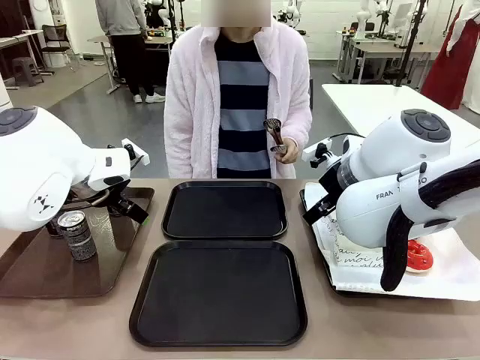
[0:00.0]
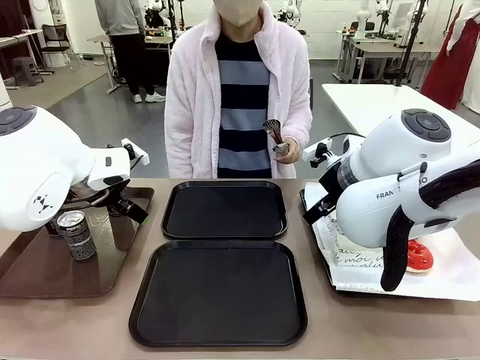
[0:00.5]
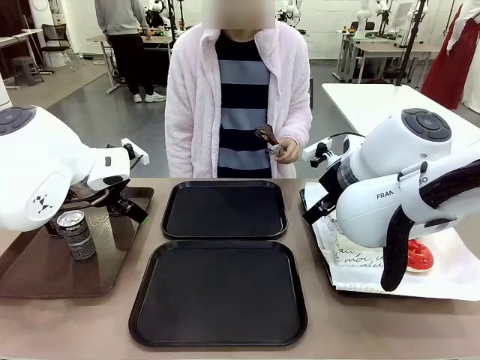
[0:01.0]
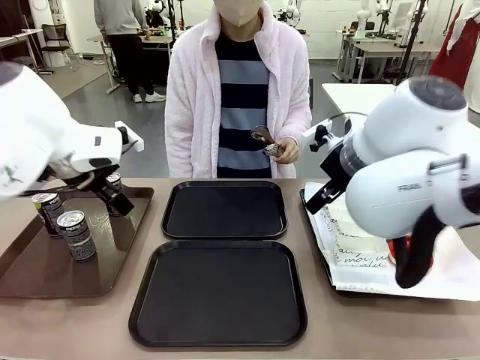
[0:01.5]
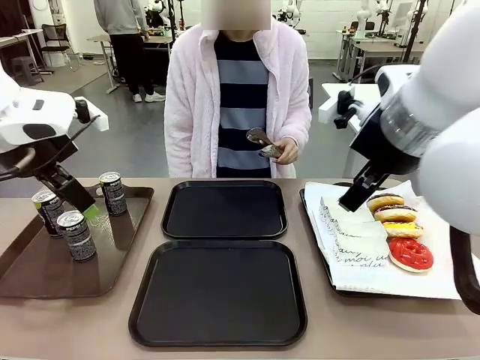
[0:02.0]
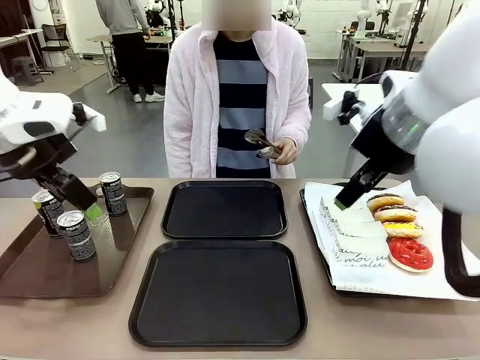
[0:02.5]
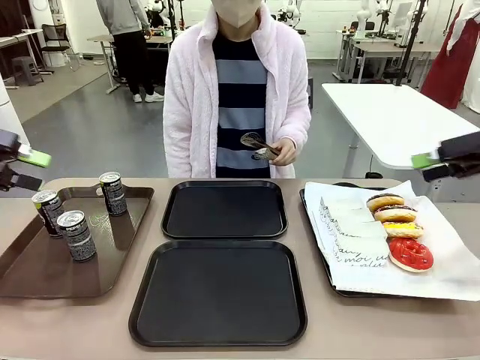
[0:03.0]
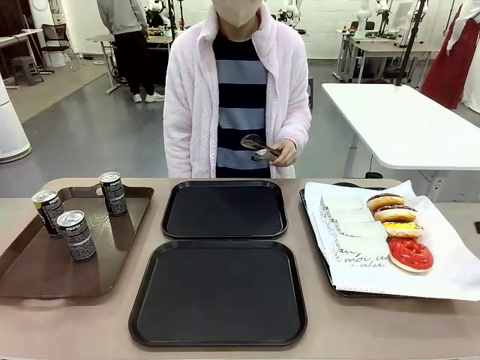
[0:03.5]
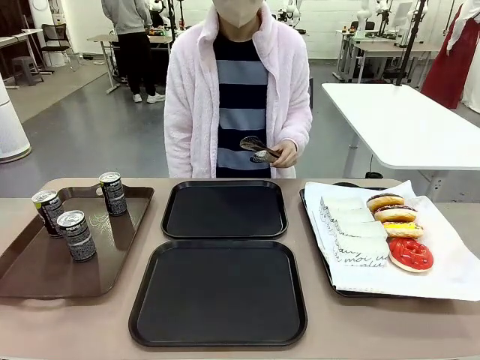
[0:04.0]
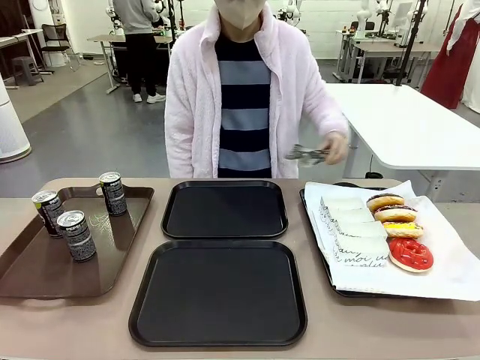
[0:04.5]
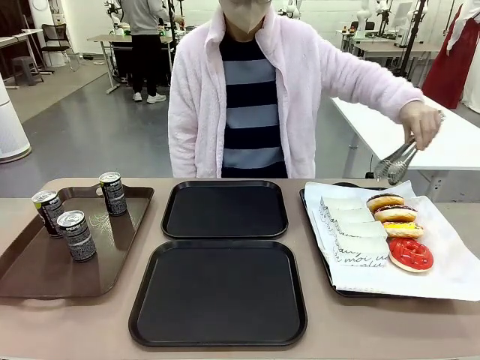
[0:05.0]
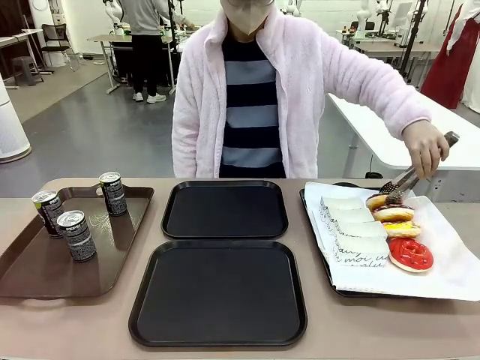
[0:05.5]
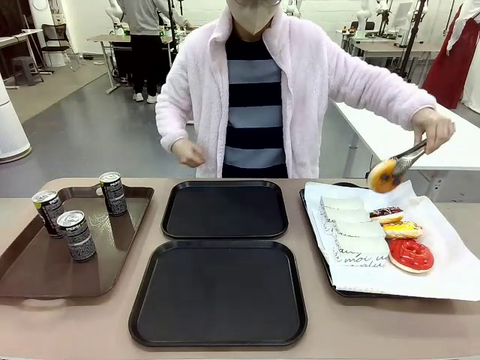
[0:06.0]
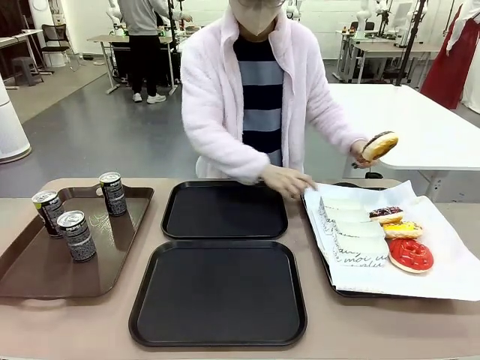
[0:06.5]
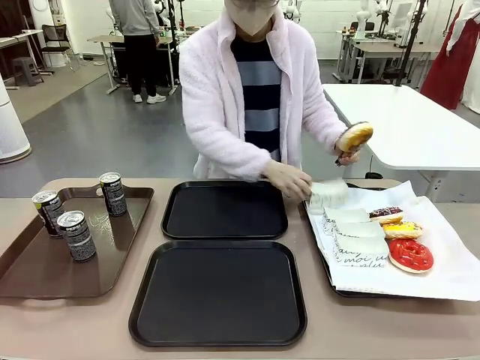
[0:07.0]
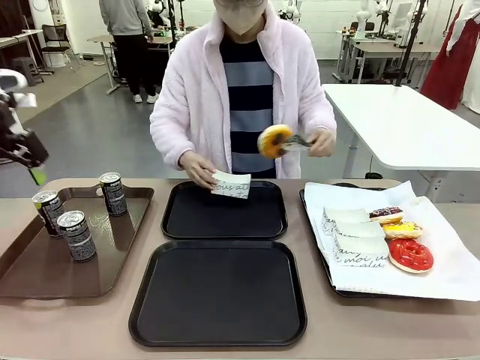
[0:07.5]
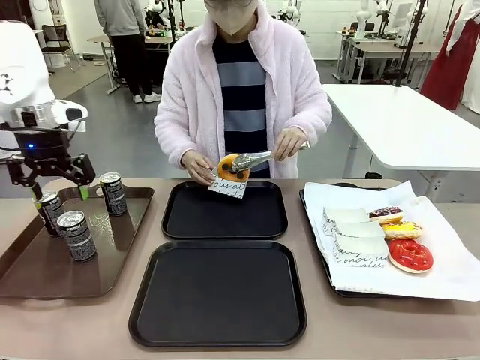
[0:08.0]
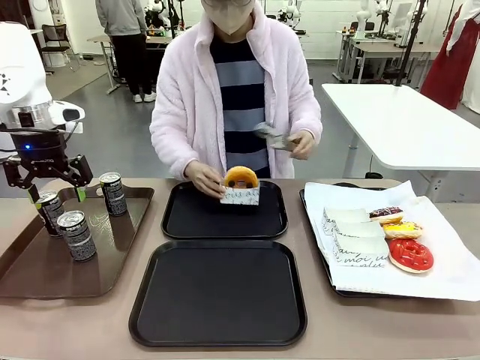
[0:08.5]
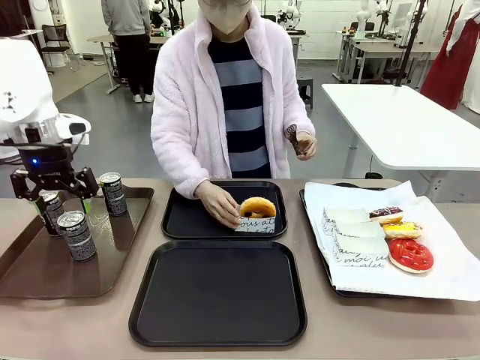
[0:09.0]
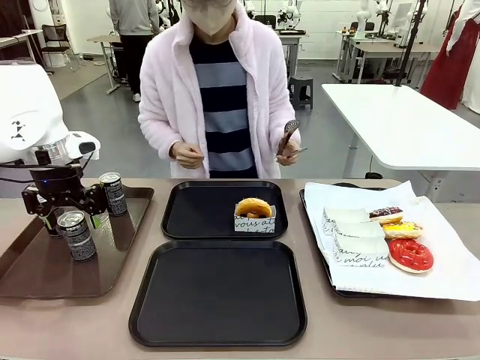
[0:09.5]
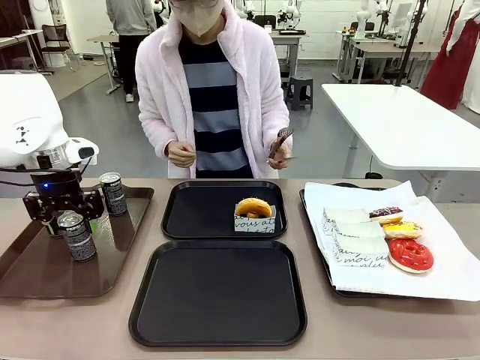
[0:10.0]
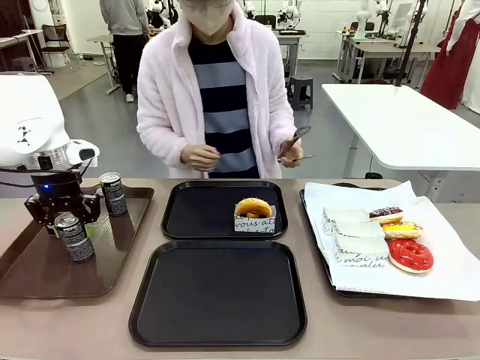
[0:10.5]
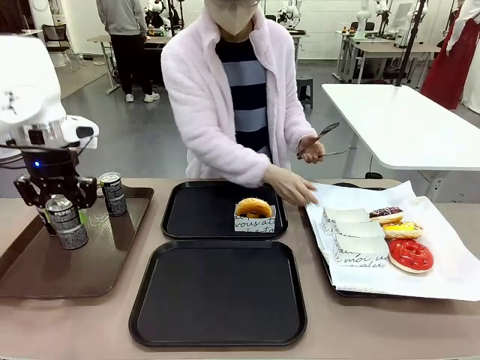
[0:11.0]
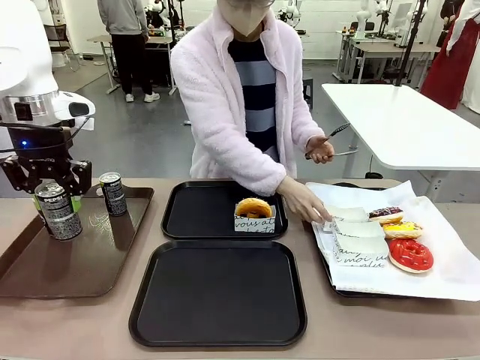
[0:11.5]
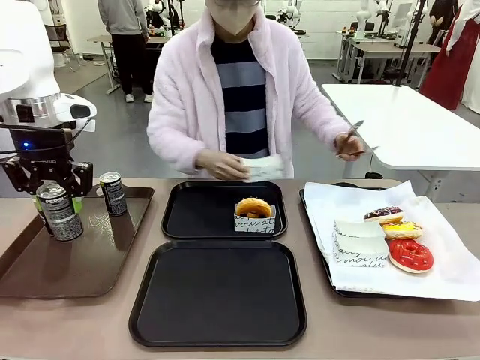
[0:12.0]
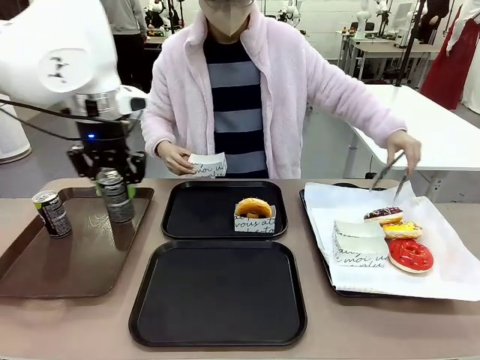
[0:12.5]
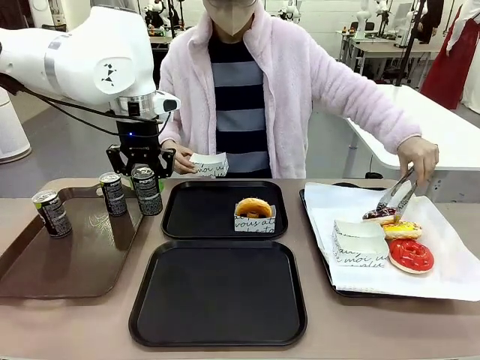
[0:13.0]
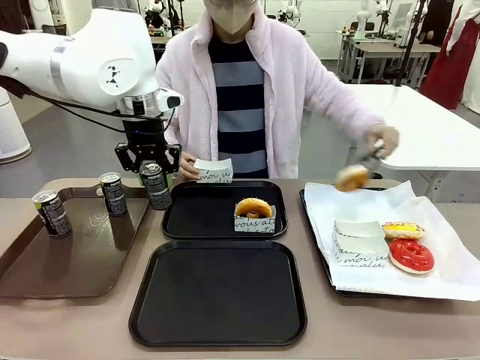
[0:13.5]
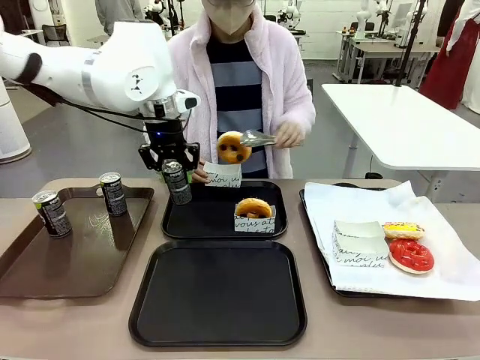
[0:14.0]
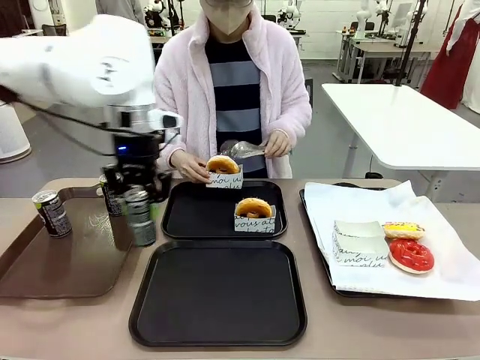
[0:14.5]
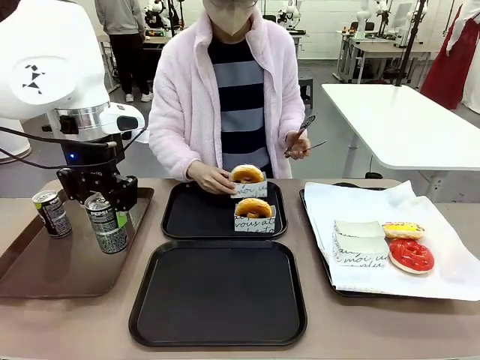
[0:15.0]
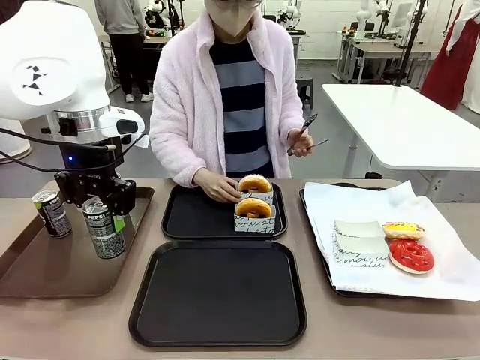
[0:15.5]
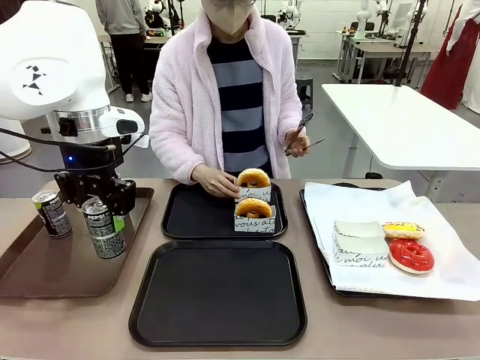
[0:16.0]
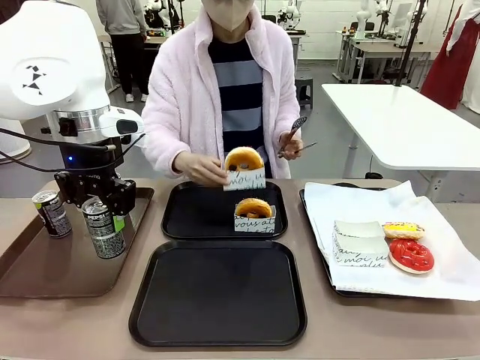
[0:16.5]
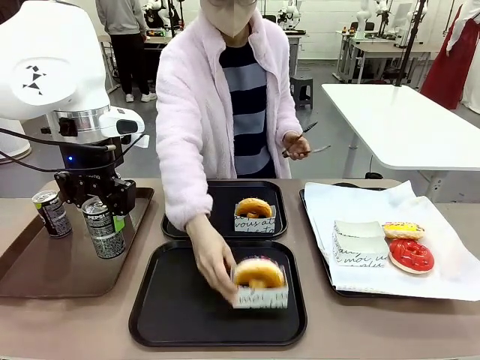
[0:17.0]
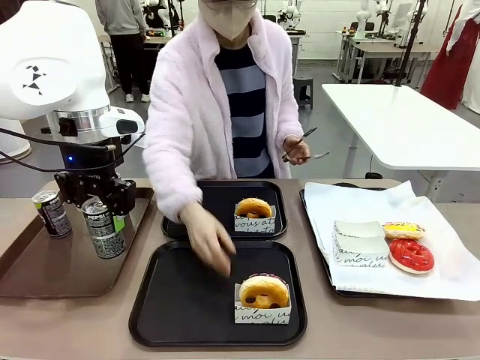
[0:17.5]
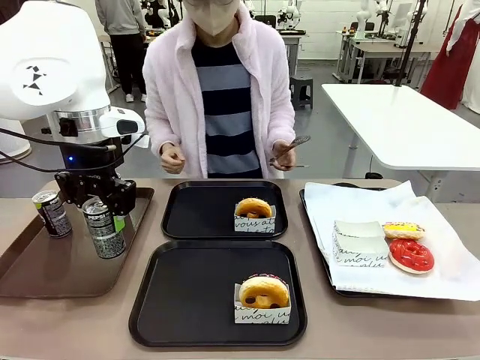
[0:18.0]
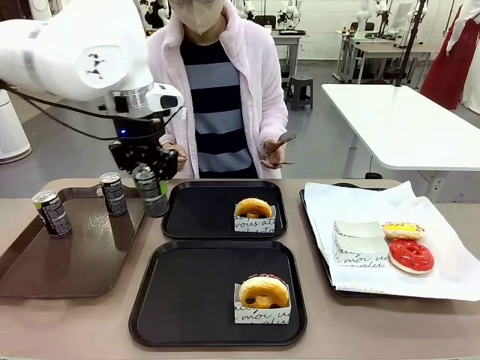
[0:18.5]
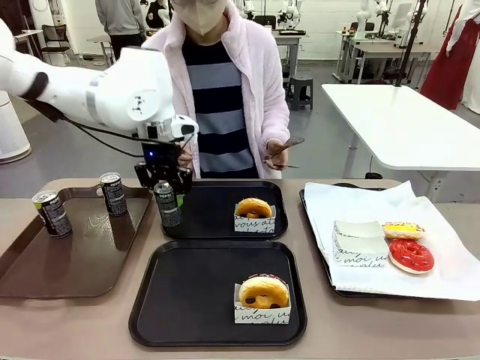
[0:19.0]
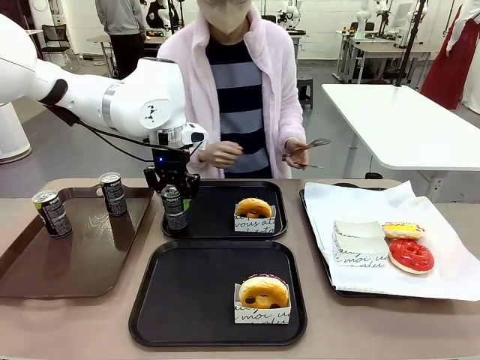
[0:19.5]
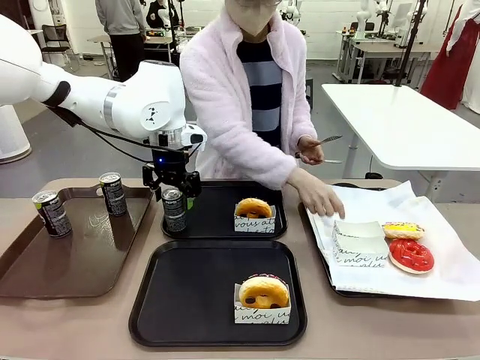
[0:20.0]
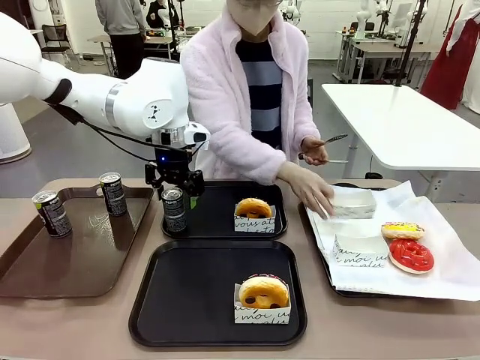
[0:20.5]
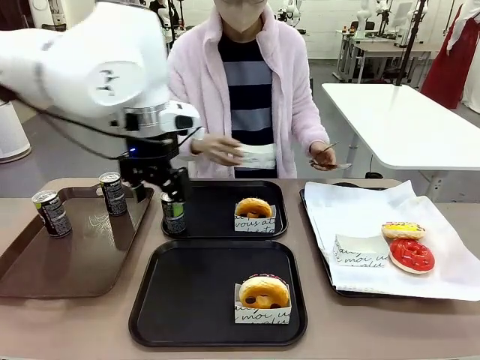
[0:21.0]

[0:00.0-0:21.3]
Task: Set up donuts and drinks on trays.
Robot: Pick up one Pepsi coke and place it on the Flat Tray.
Person: Pick up one donut with tongs, place it in the donut tray, and then place the donut tray on the flat tray.

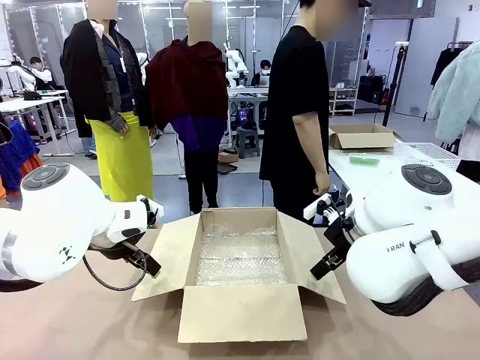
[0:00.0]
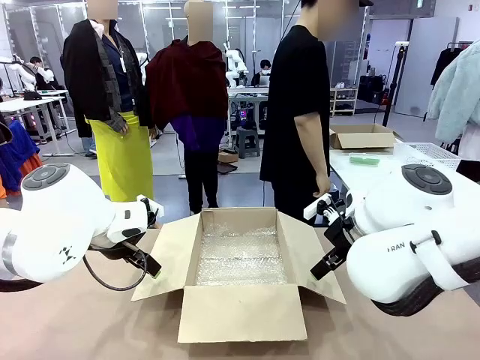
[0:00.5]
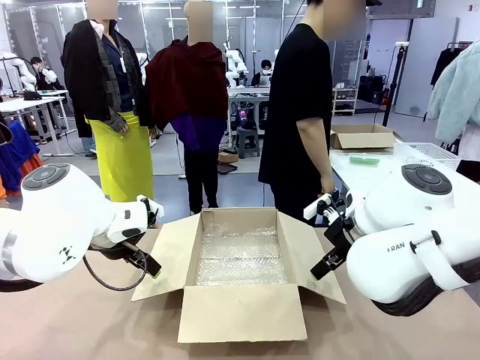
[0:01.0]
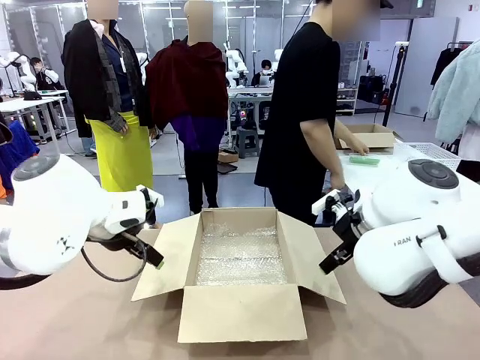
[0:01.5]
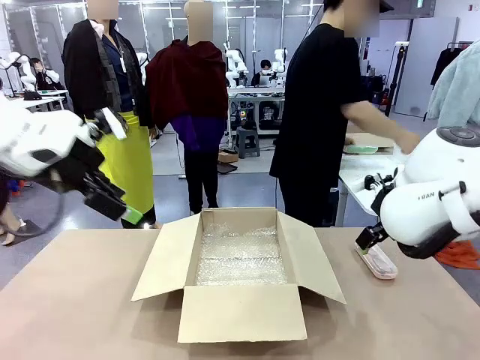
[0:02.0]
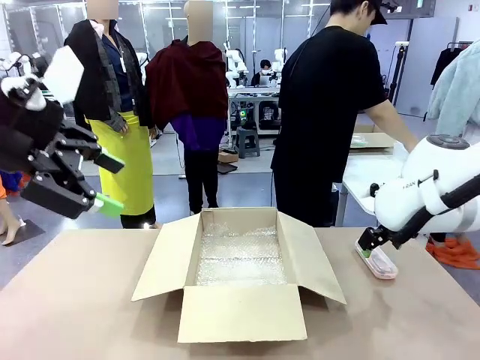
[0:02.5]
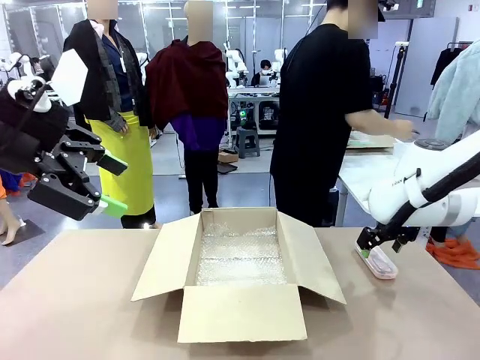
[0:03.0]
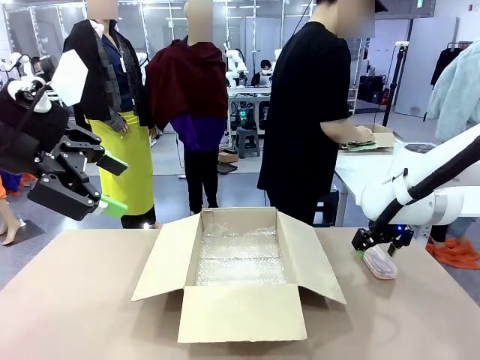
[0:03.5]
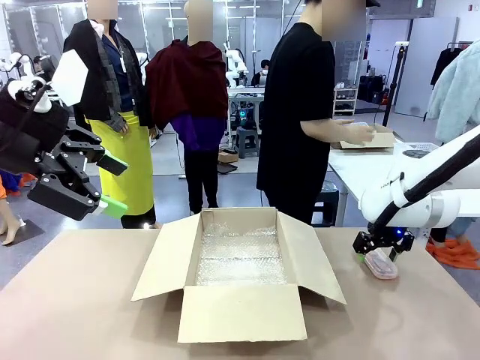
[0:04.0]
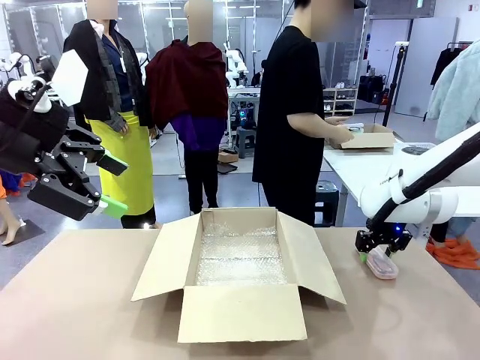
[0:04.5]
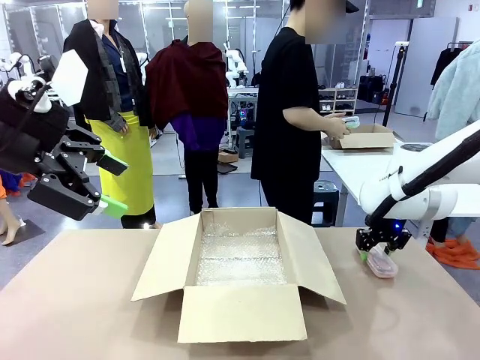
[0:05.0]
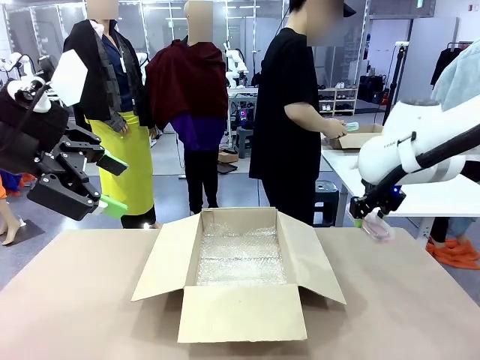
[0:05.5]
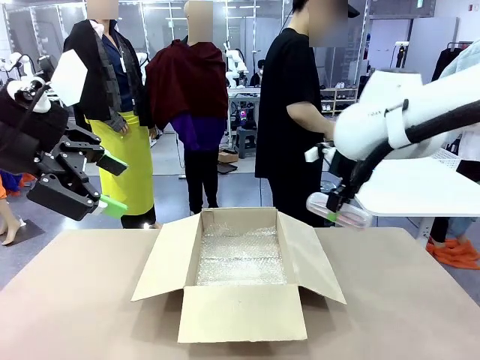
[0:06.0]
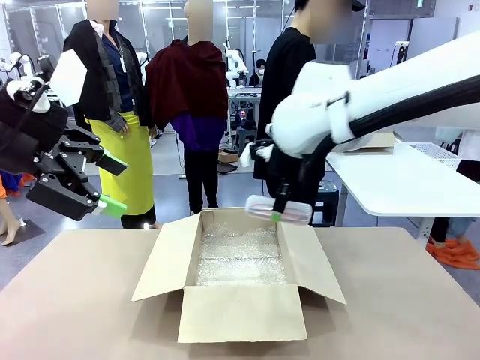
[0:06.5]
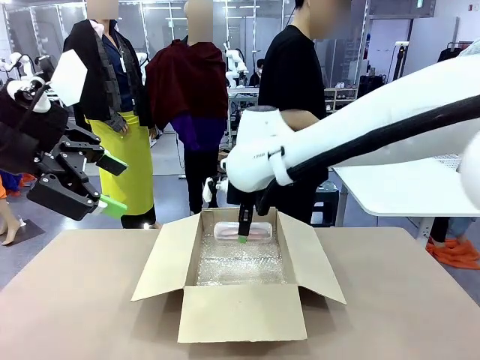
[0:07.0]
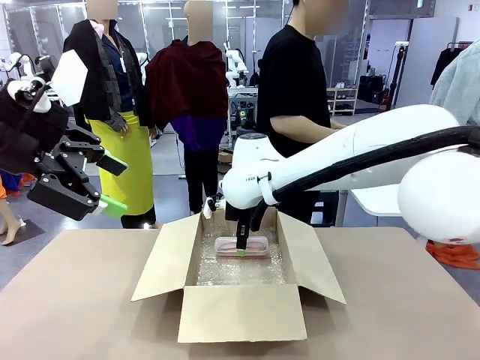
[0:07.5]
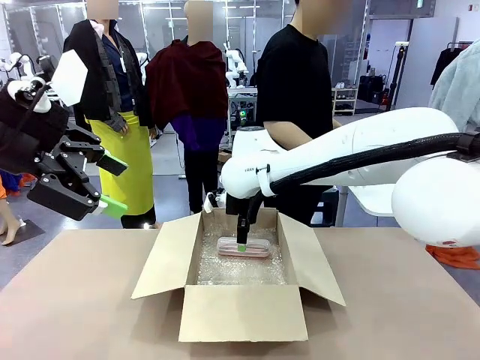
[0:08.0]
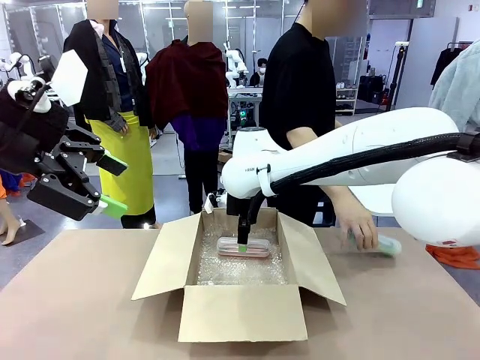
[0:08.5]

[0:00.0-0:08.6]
Task: Pack the glasses set securely to prepare it for shipping.
Robot: Place the Glasses case inside the Package Box.
Person: Place the Glasses inside the Glasses case. Position the Glasses case on the left side of the robot's table.
